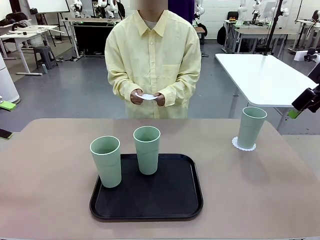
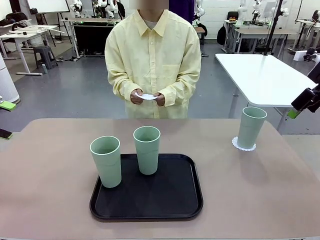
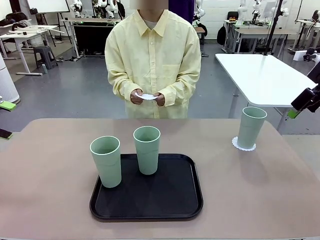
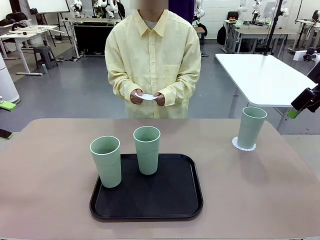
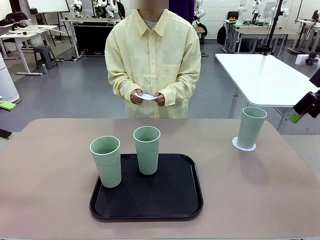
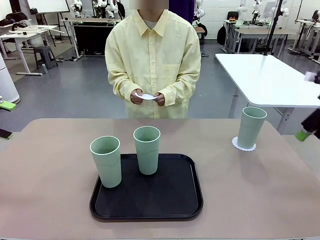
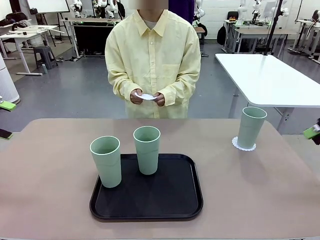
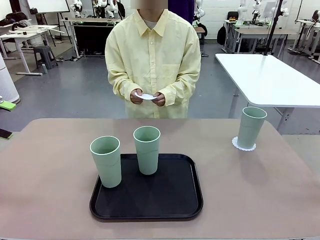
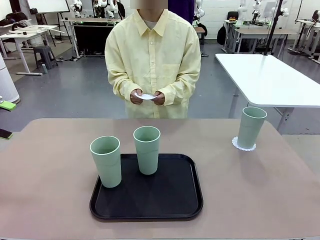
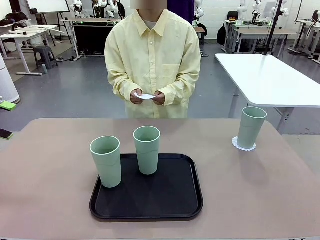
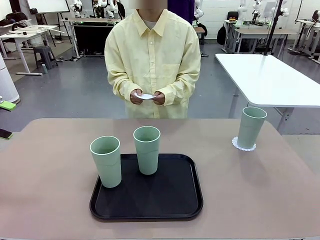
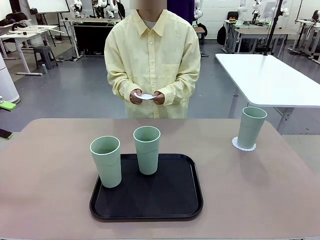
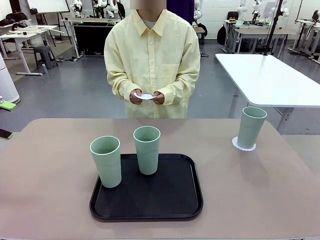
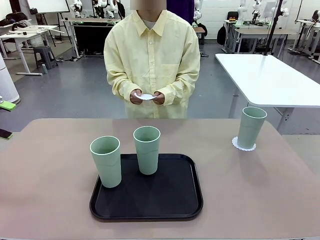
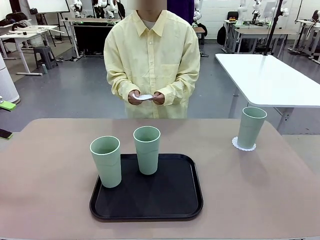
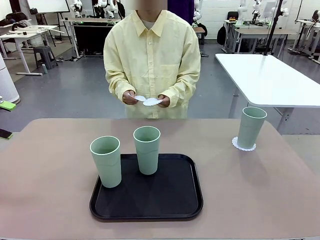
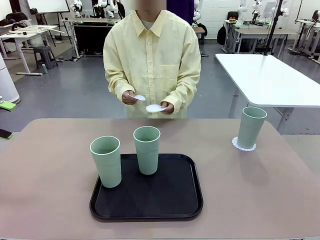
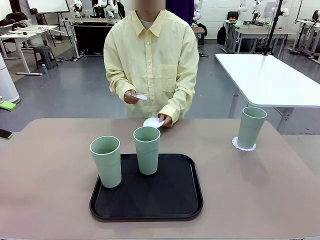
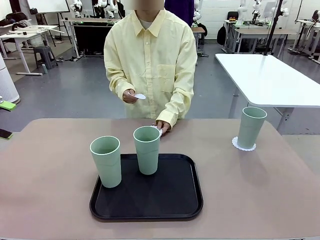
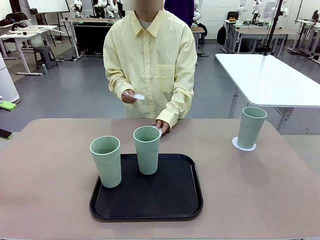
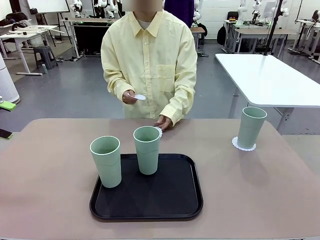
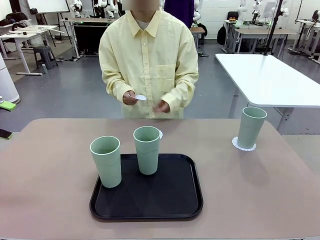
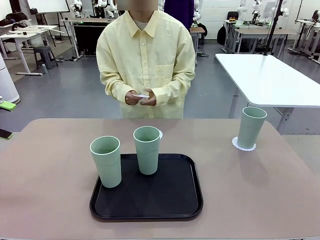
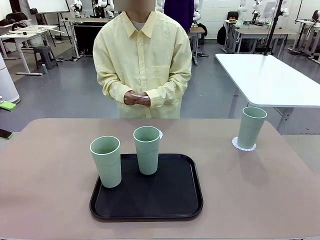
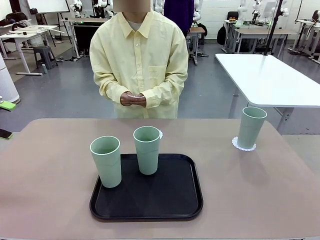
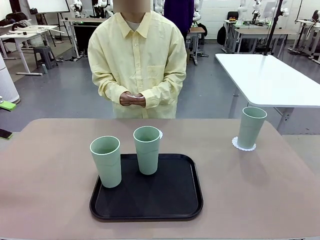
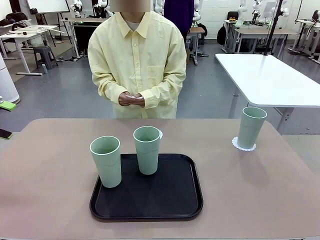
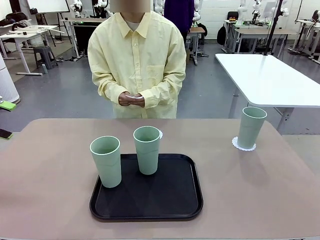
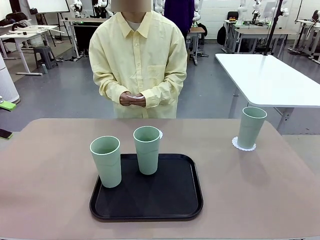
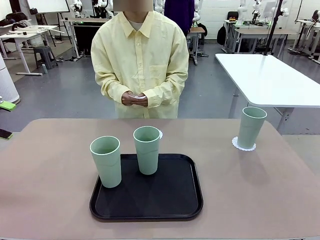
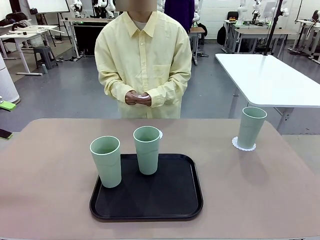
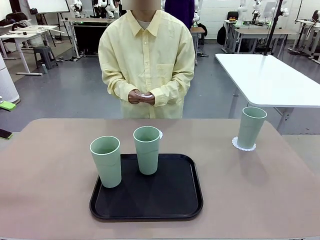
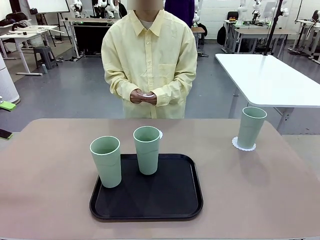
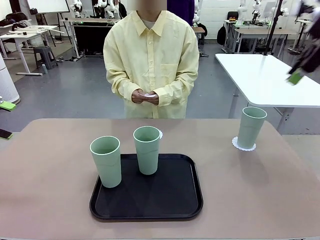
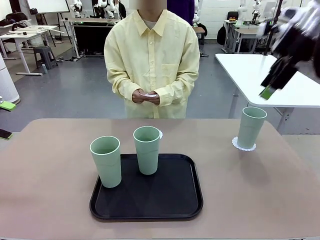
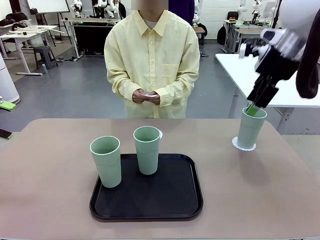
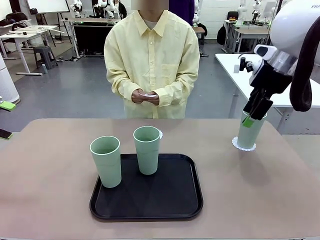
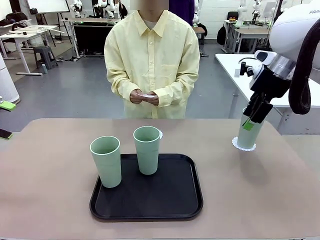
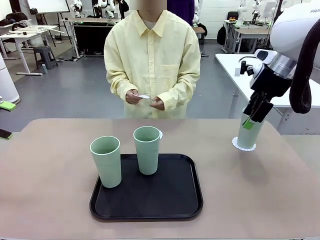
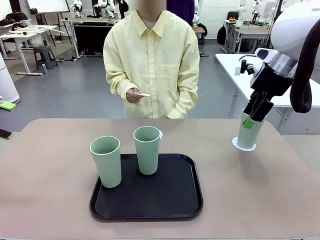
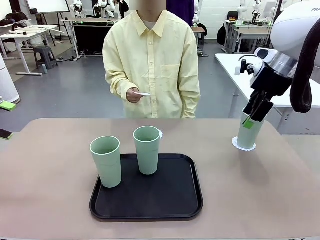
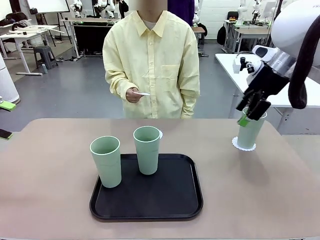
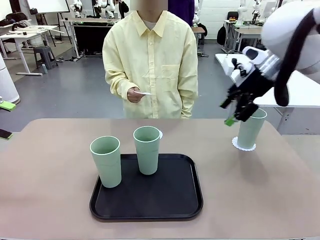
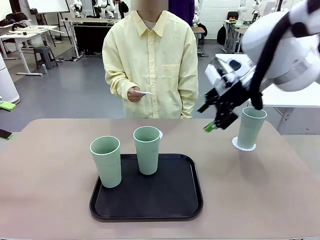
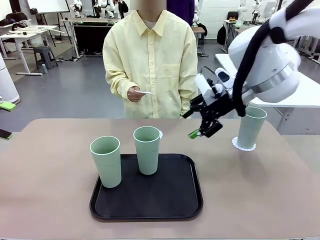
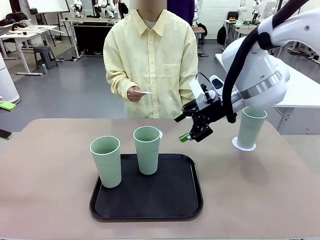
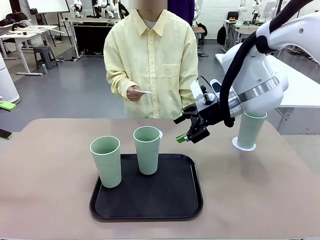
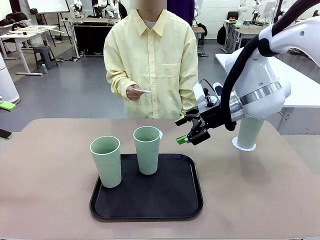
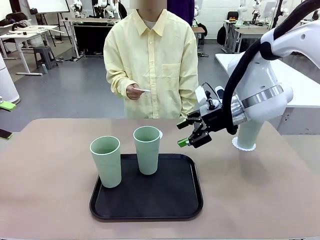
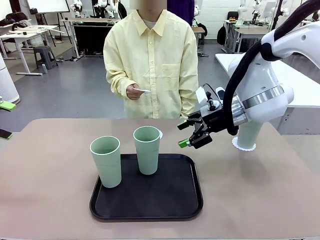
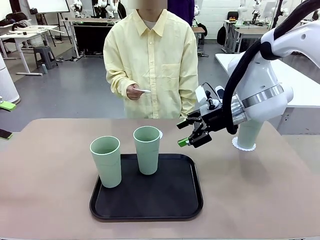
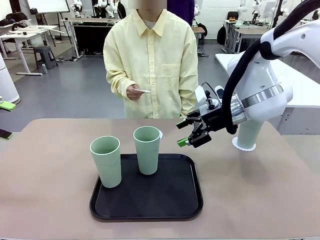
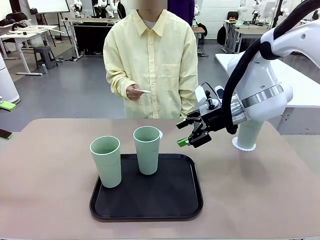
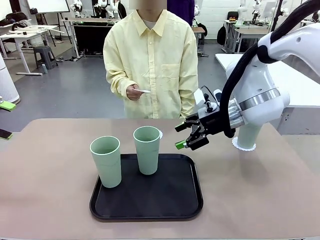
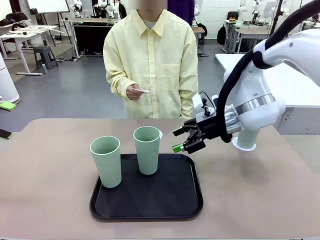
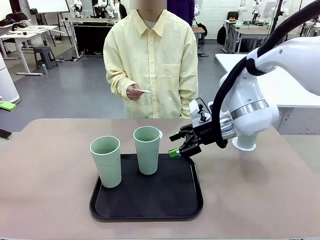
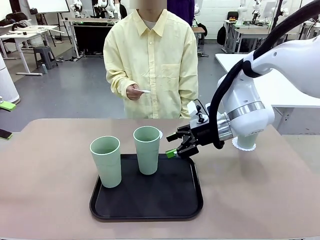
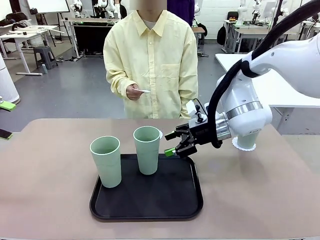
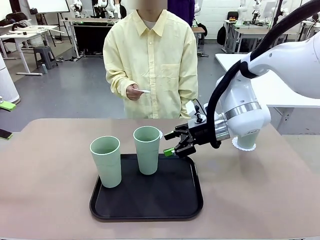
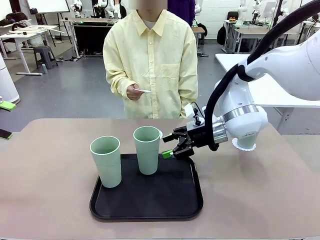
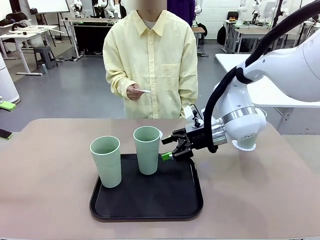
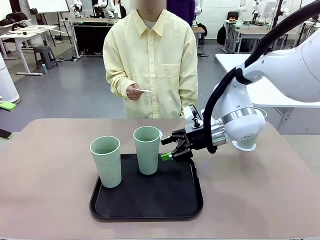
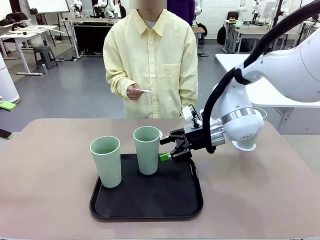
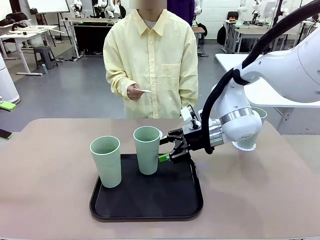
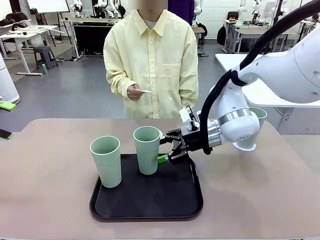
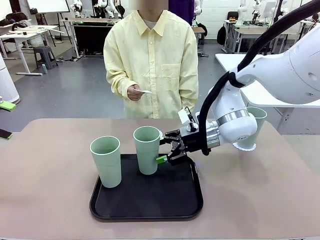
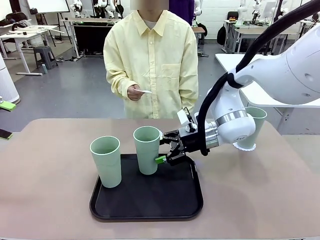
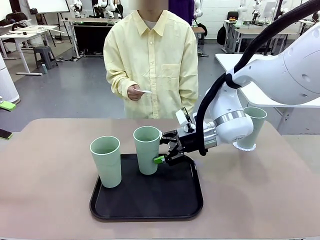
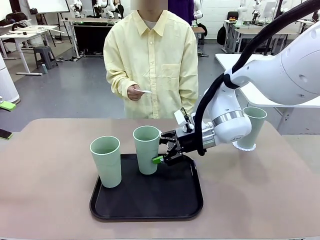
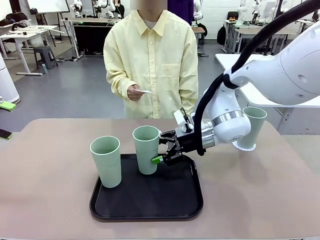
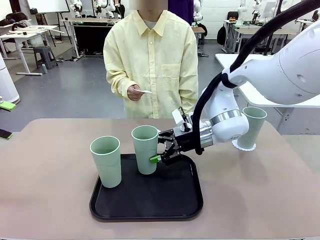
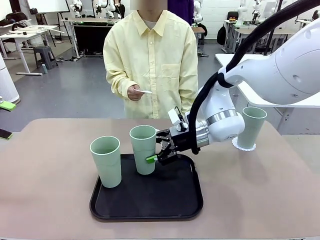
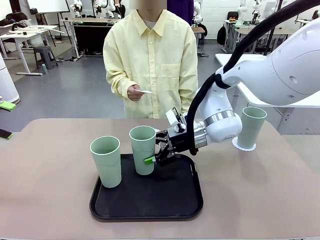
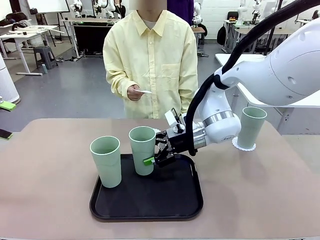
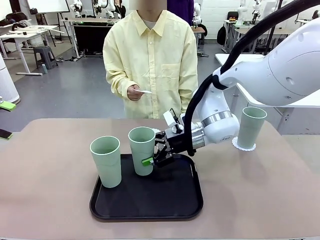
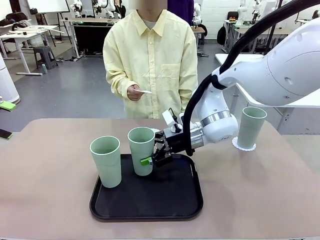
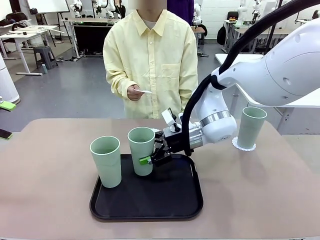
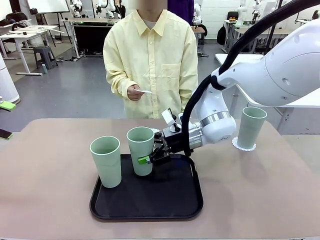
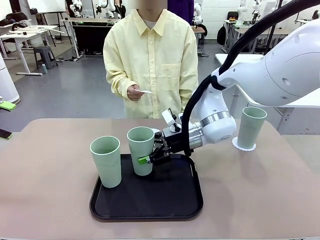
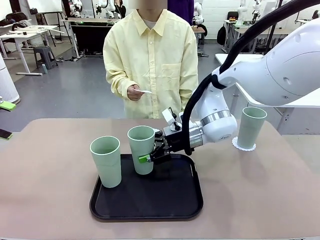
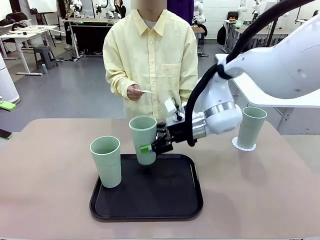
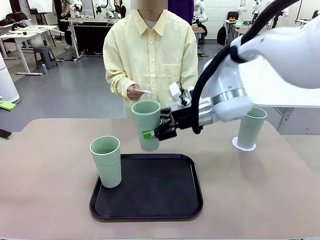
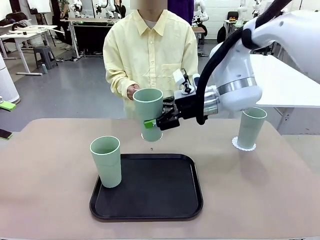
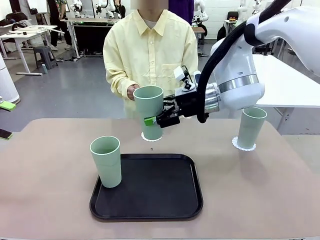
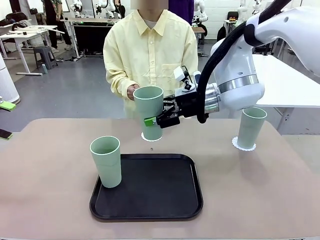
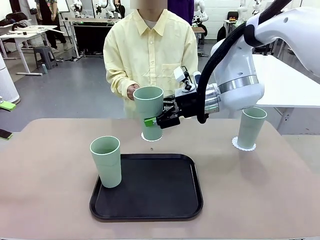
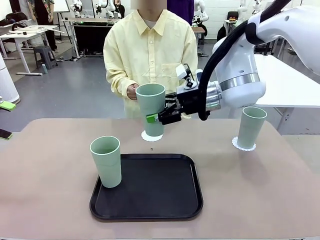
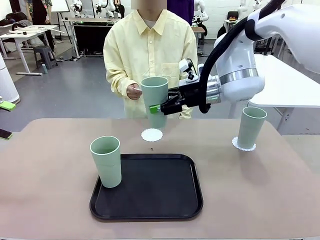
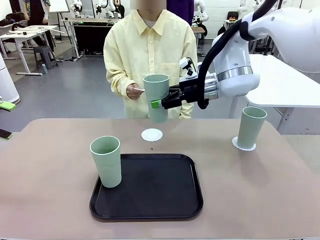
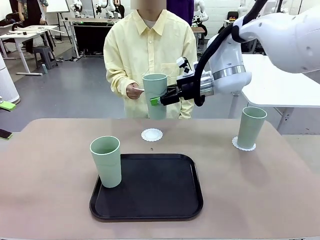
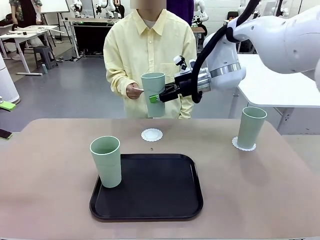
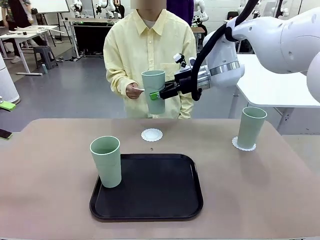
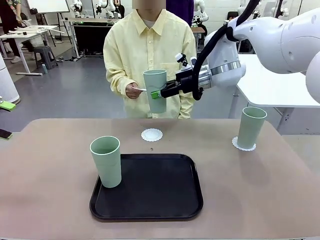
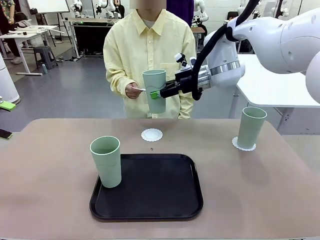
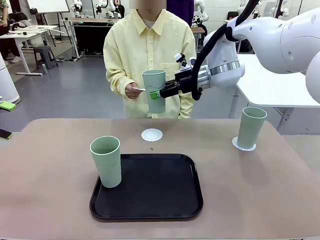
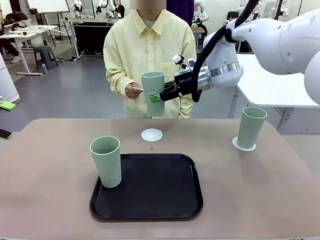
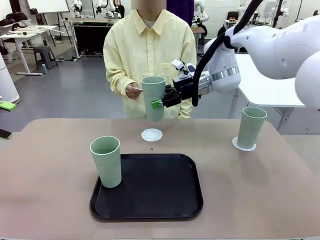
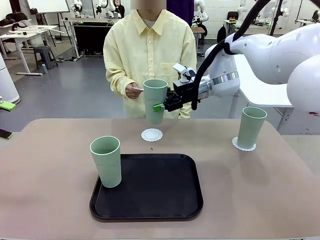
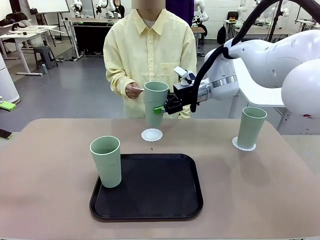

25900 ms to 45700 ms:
Task: Place coasters on the table and set cups on them.
Robot: Take one Reusable plastic cup from the Flat Tray and place it on a coaster set by the human.
